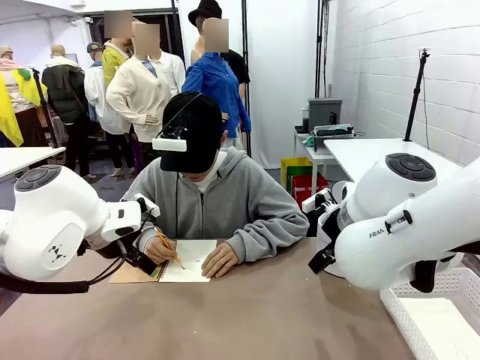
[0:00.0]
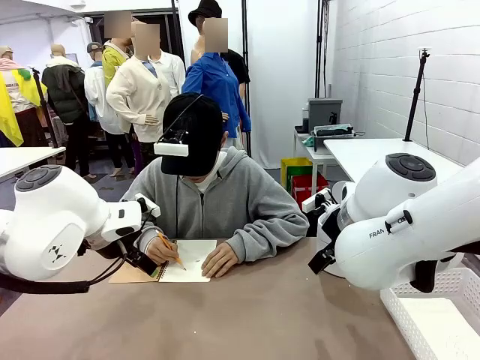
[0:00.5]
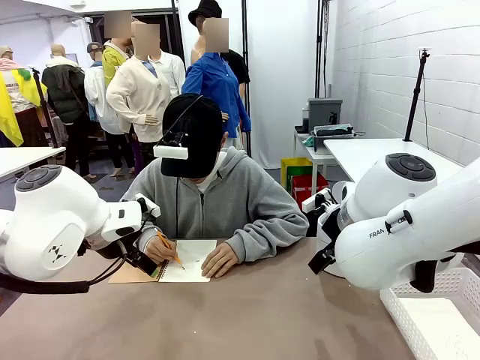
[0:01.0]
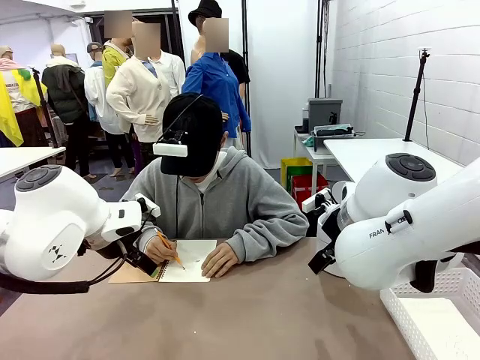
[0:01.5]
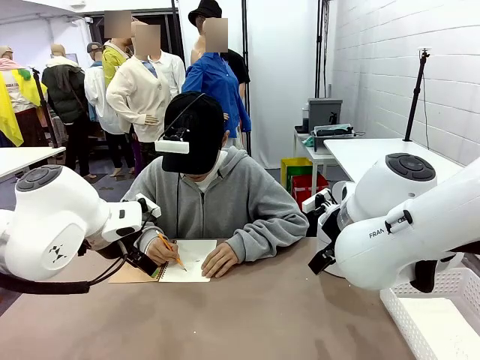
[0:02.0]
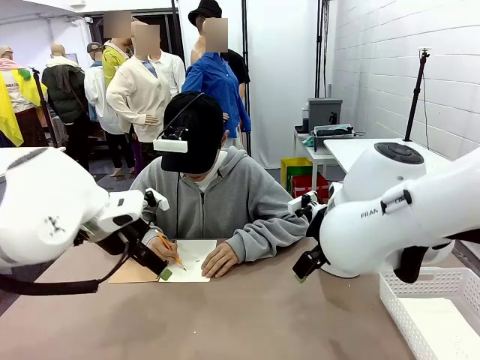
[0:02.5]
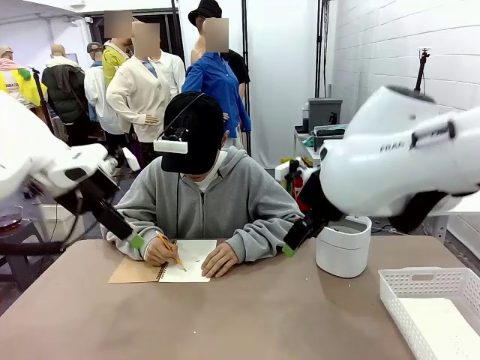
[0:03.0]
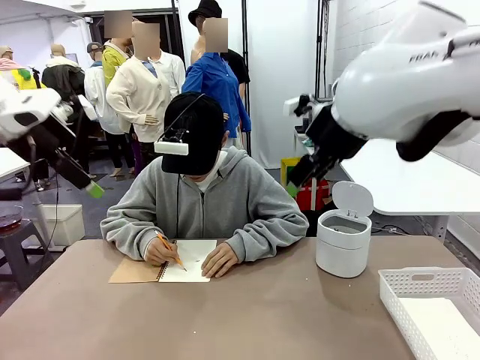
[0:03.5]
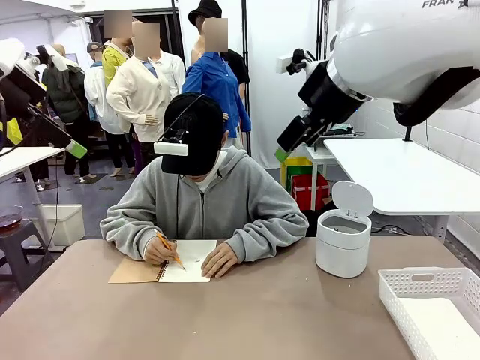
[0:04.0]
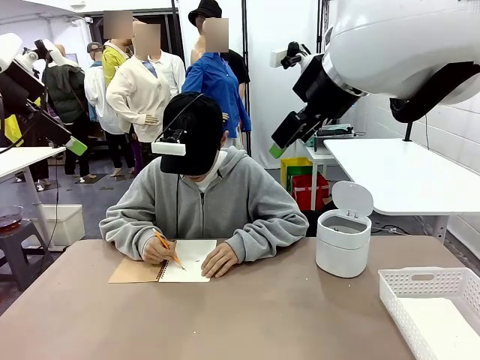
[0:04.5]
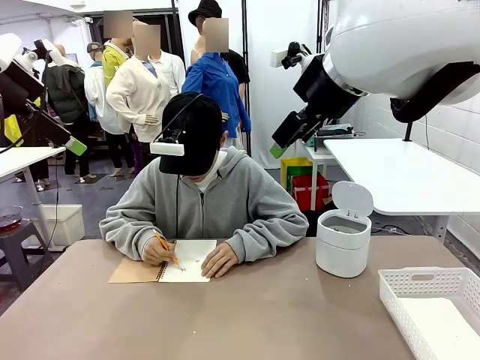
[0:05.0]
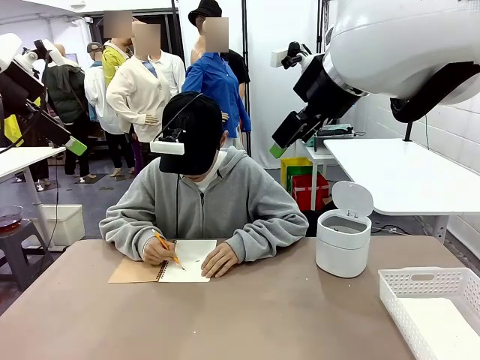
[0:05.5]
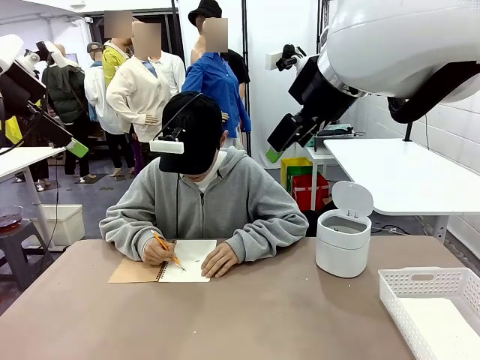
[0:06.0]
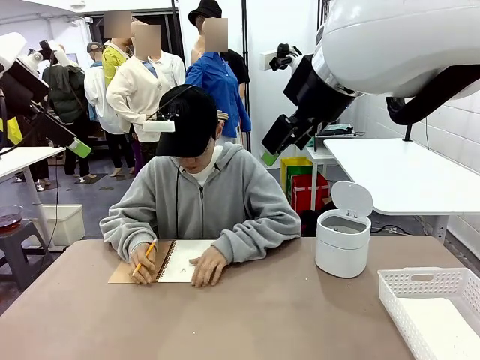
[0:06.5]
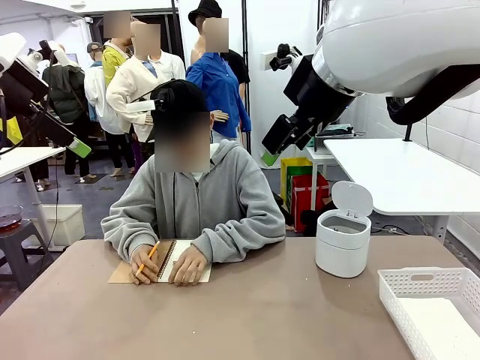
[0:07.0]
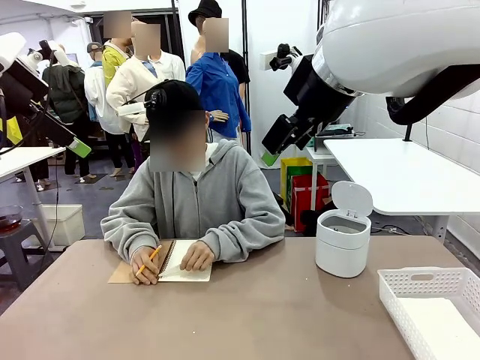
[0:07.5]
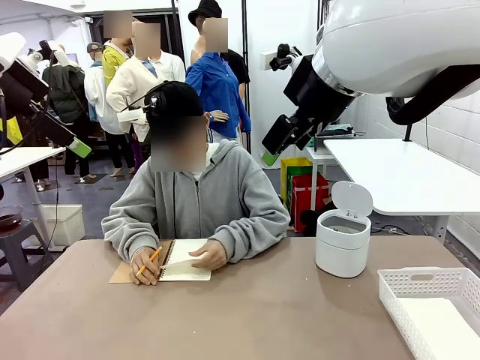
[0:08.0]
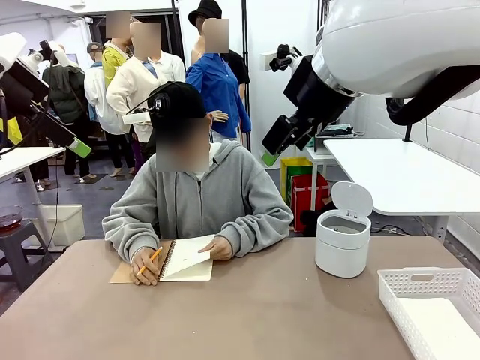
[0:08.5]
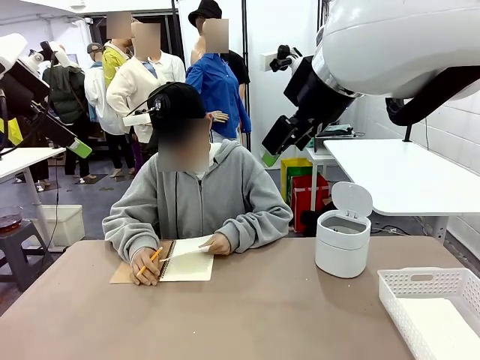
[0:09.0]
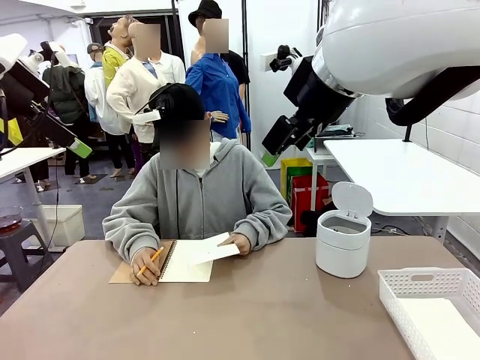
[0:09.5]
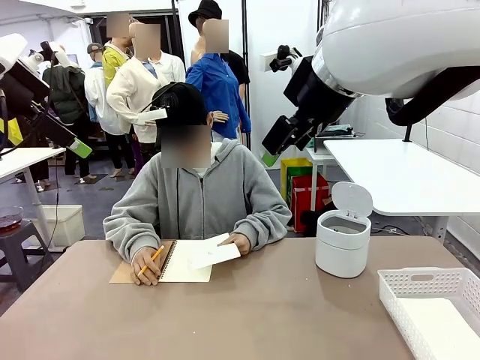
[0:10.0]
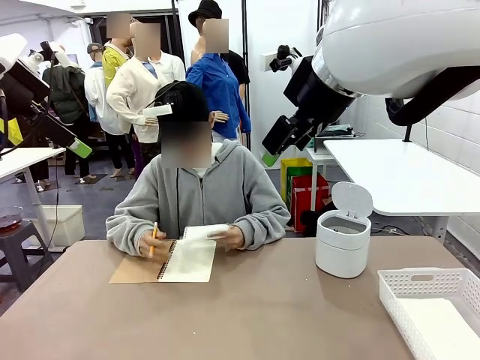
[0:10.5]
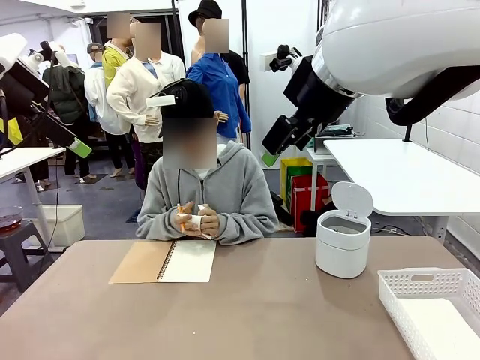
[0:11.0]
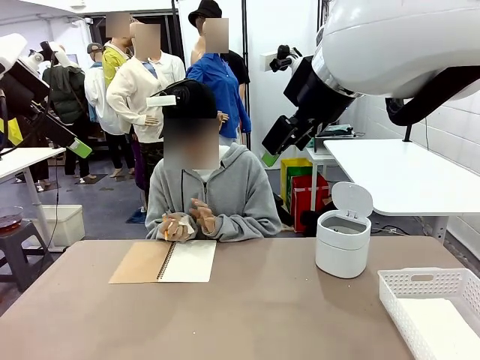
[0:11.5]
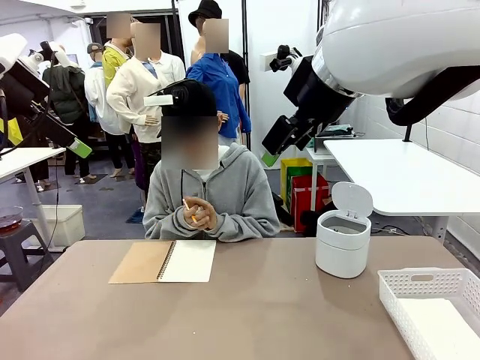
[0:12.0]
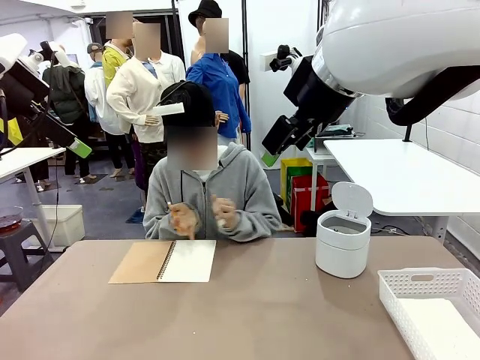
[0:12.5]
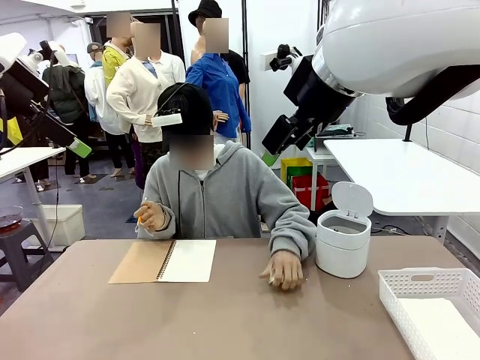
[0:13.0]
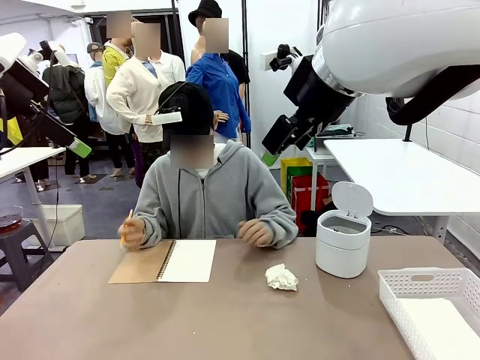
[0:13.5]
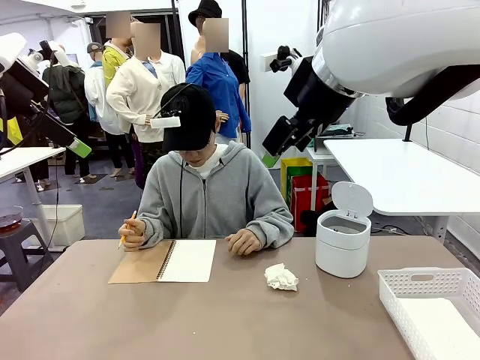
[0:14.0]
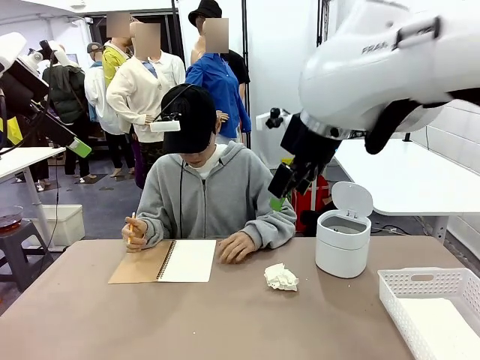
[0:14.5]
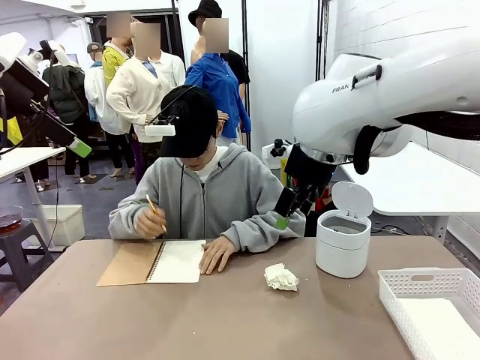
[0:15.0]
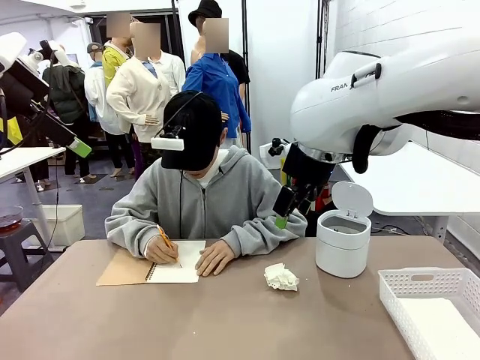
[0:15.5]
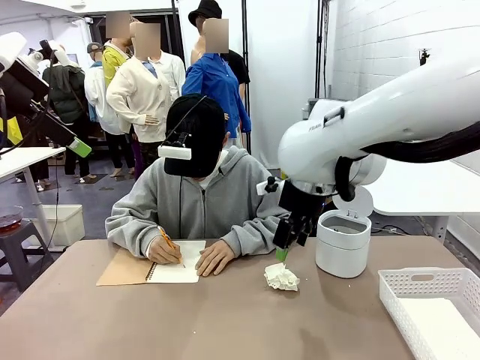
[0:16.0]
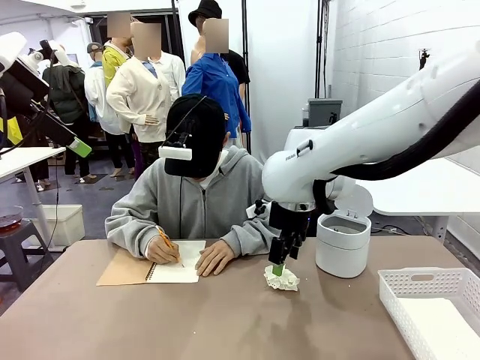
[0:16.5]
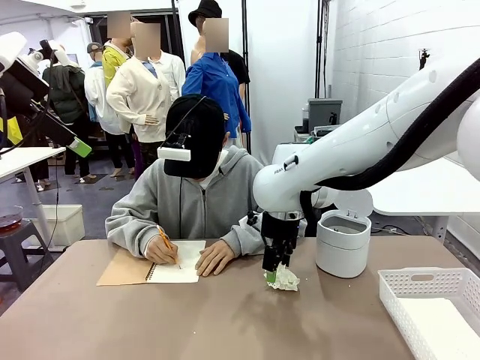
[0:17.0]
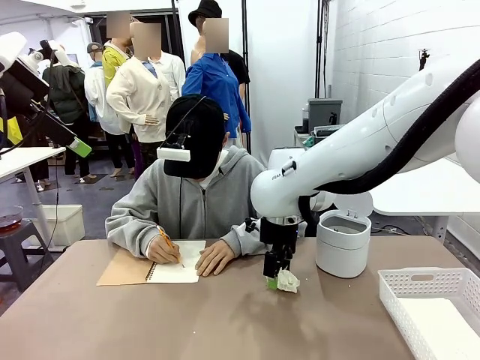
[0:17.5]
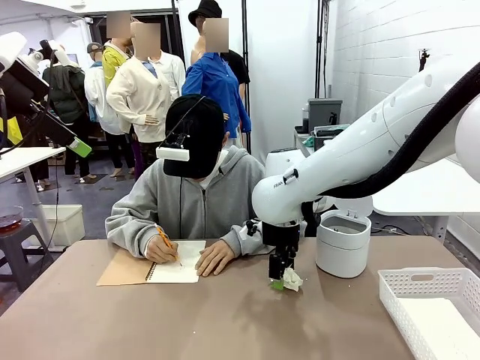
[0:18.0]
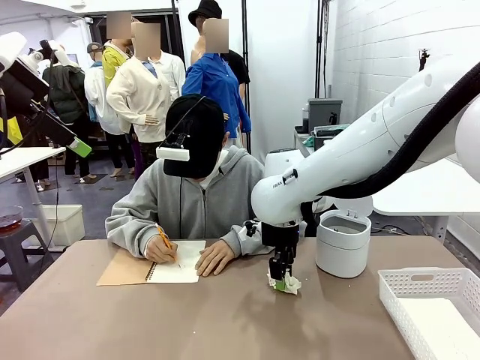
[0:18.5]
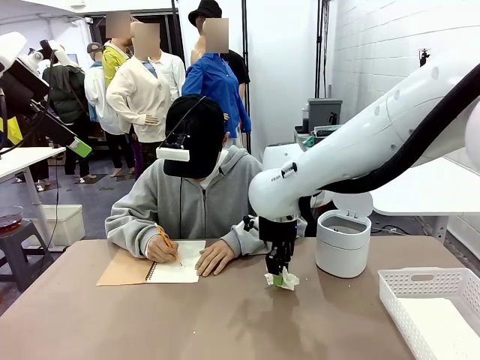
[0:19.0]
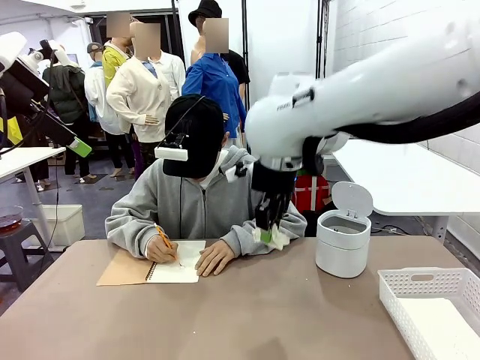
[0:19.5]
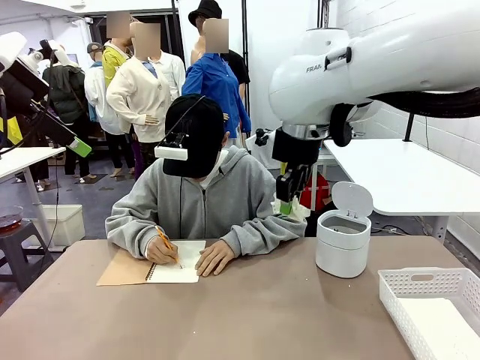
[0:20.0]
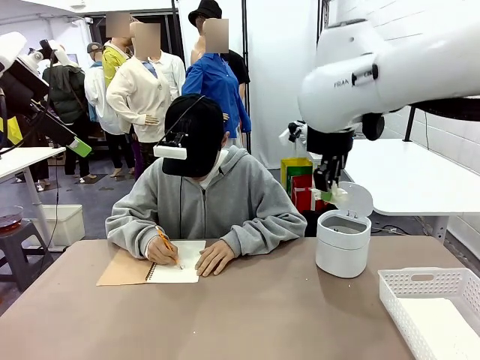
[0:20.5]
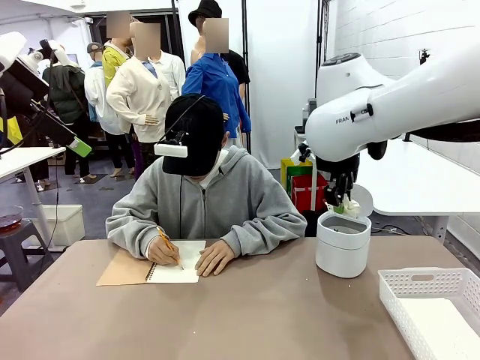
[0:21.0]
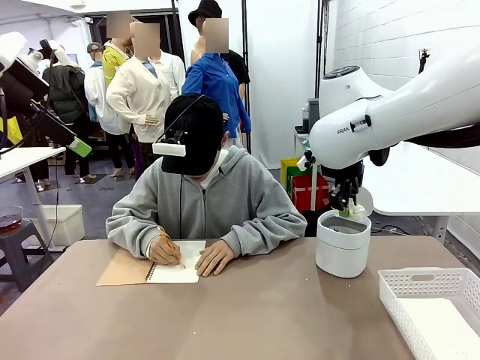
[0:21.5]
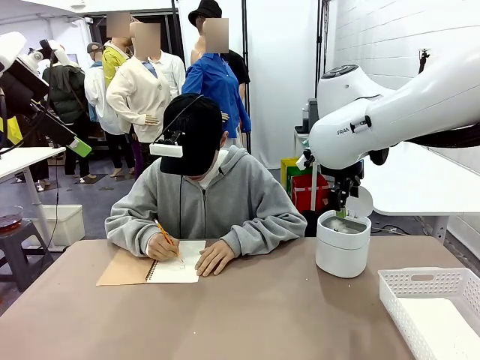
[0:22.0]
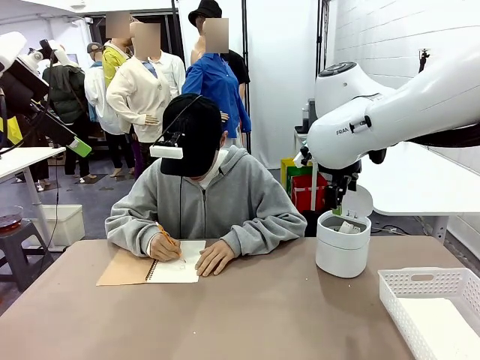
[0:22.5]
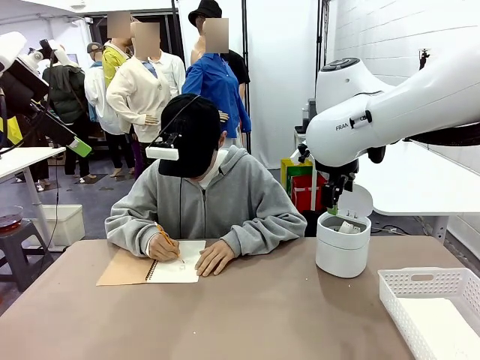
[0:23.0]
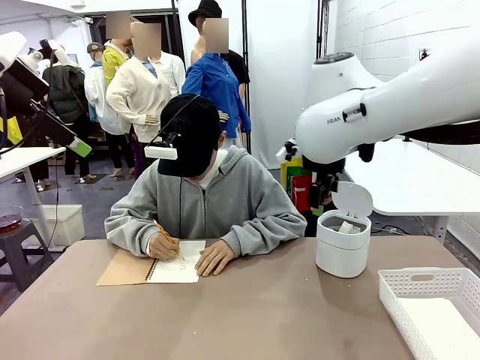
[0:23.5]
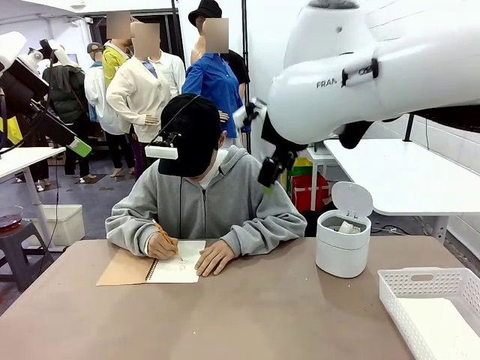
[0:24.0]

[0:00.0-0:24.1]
Task: Sort the paper based on its condition.
Robot: If a person hands you a paper, place it in the Organizing basket , and if it's crumpled, put it in the Trash can.
Person: Tear out a page from the spiral notebook. Hand the torn page to the robot or crumple it and throw it to the center of the table. Tear out a page from the spiral notebook.
